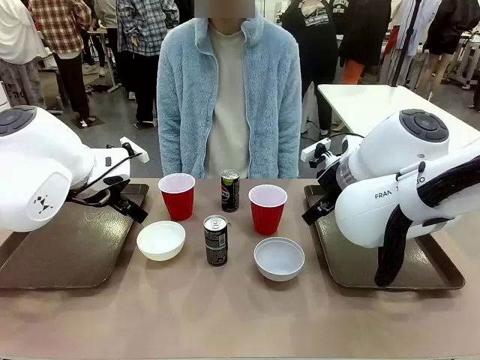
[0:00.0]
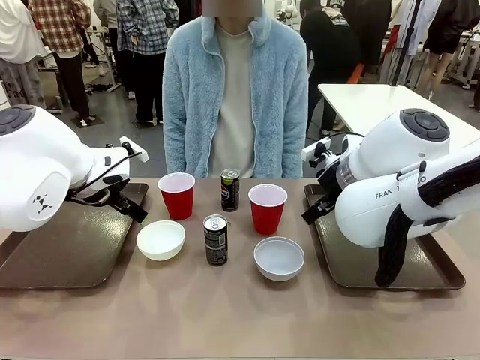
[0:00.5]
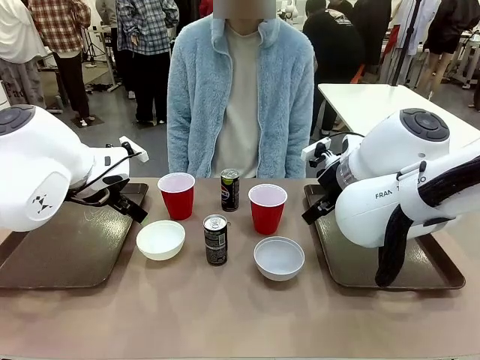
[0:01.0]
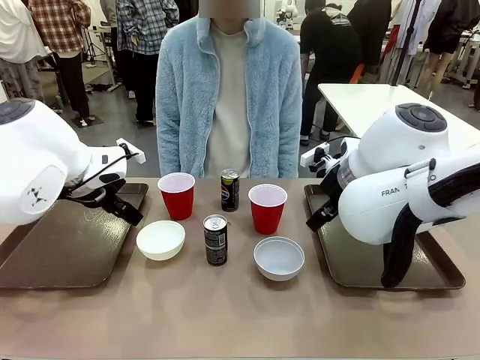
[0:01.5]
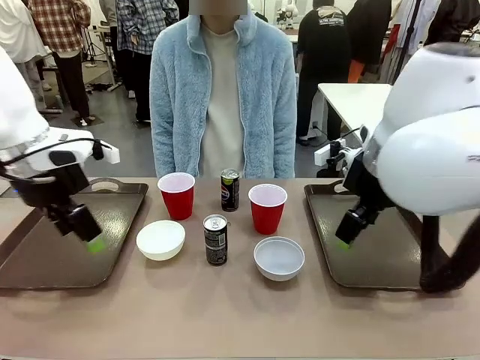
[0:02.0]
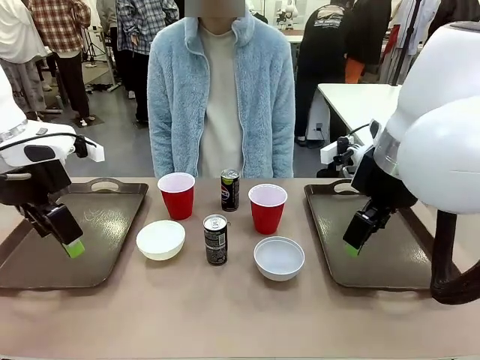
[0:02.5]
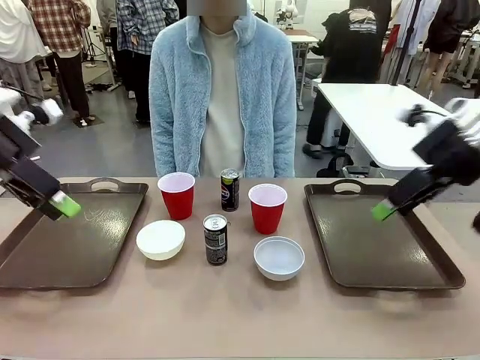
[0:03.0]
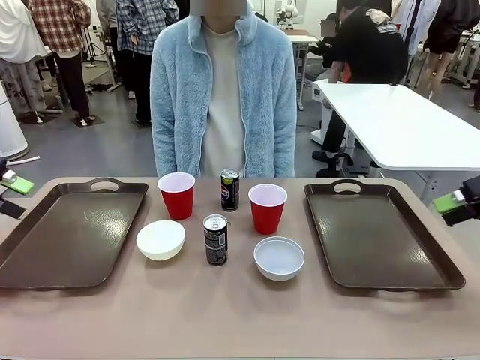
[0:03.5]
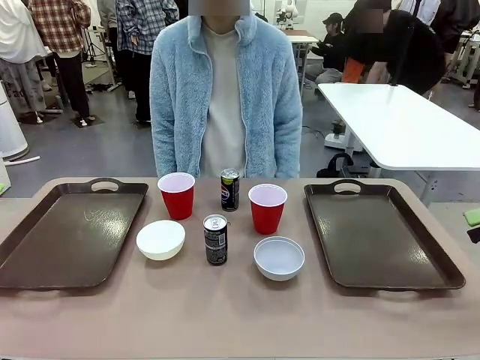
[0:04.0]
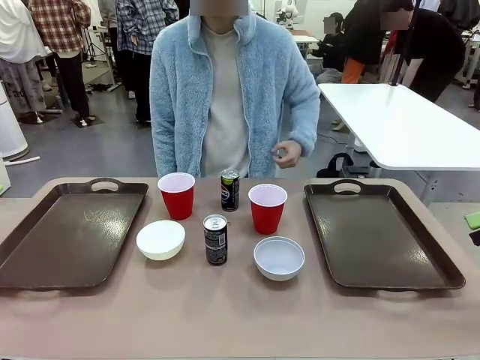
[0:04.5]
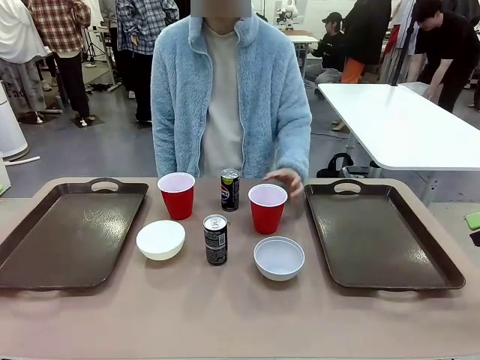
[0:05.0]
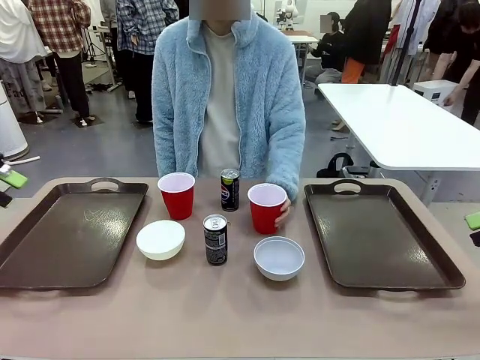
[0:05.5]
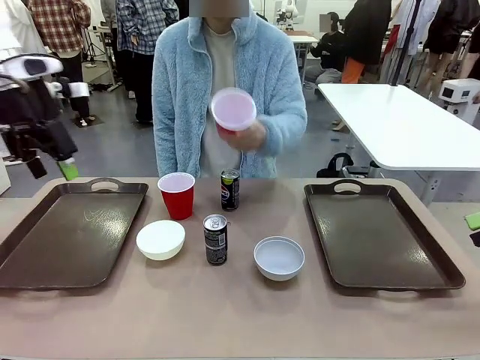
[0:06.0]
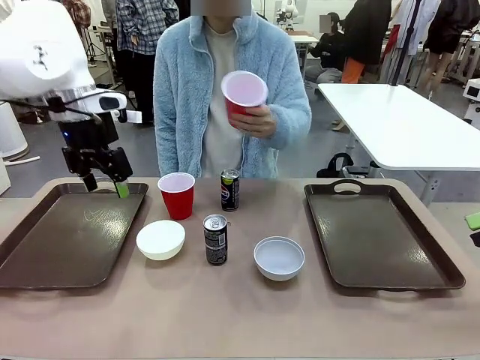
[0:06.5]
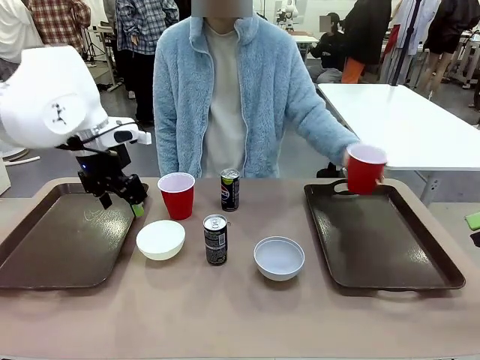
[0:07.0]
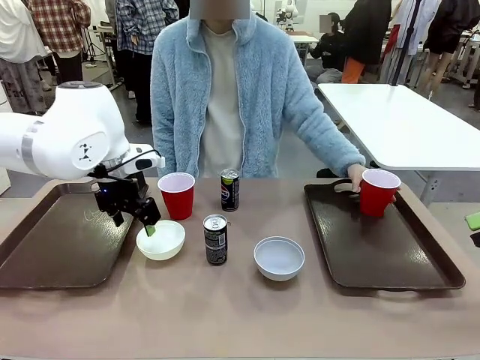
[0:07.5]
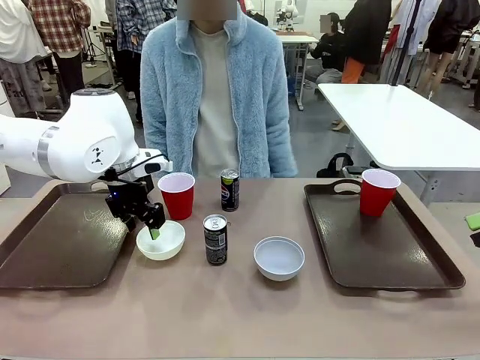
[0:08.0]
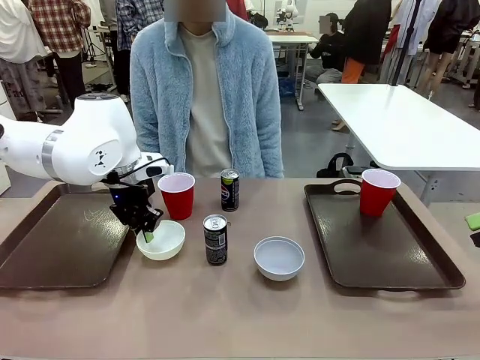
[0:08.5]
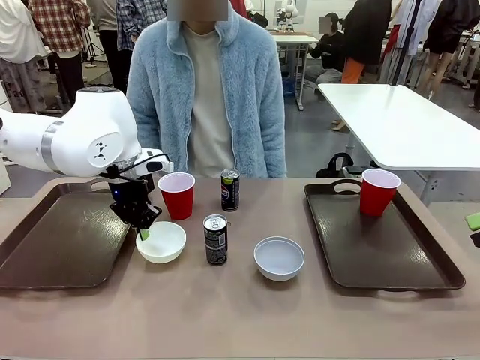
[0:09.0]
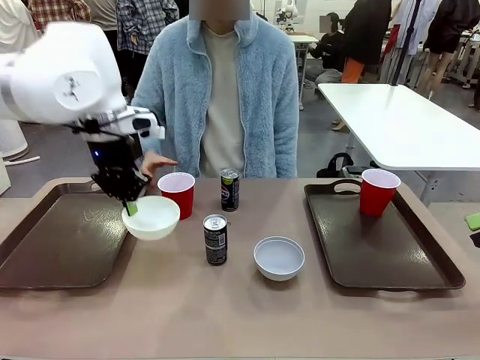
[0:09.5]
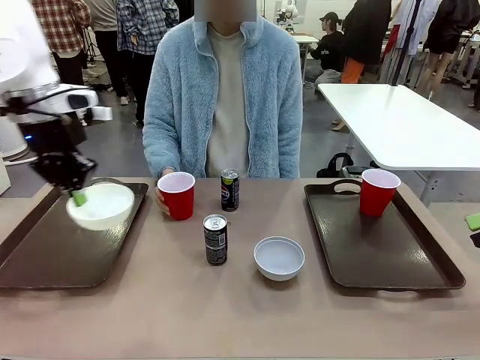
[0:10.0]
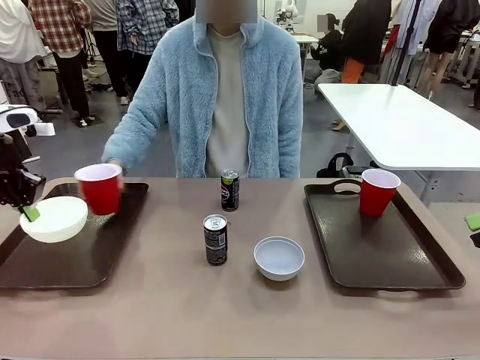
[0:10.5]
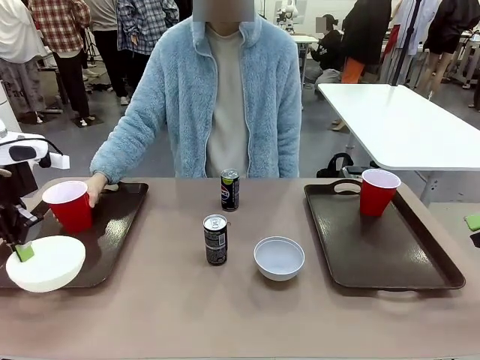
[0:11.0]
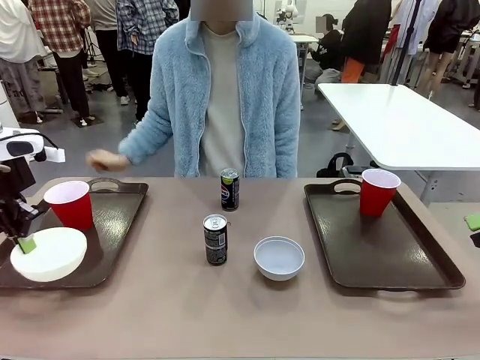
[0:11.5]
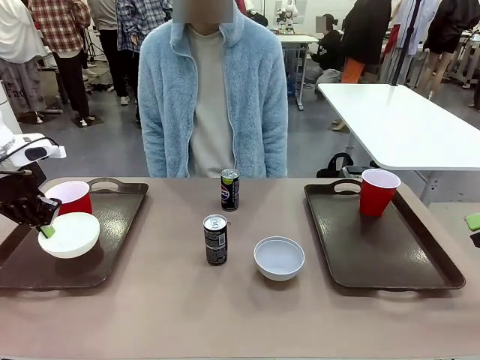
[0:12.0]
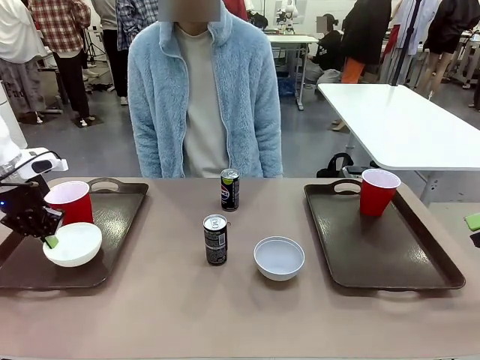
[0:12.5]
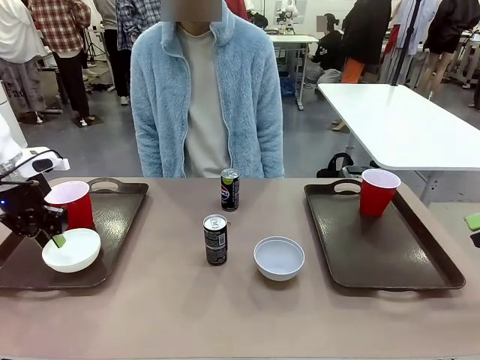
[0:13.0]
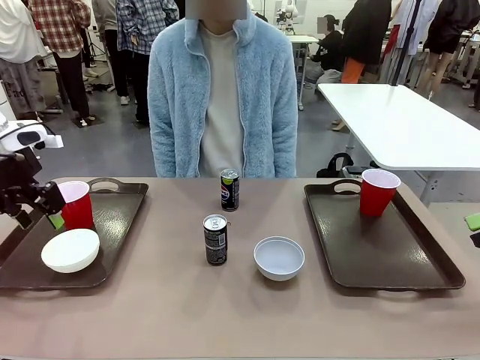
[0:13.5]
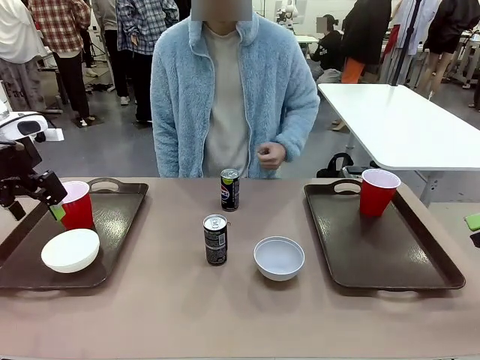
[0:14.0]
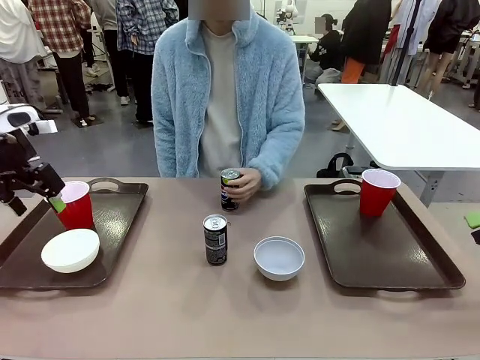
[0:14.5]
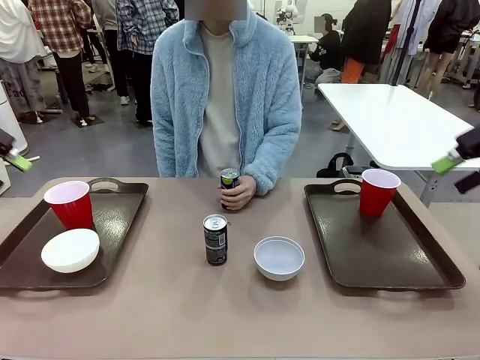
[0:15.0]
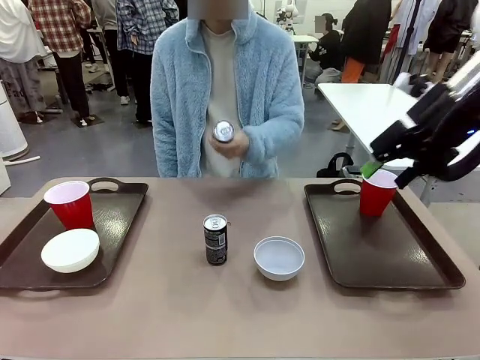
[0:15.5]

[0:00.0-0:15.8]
Task: Prepare tableware on both trays.
Robot: Pick up a Picnic Bowl from the table and place it on a Handle tray.
Person: Pick up a can or cup and place it on the tray.
